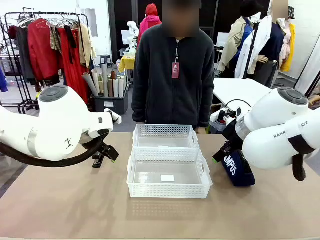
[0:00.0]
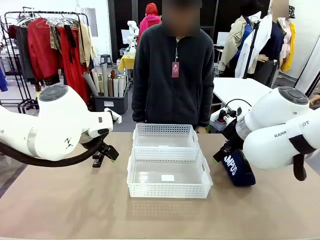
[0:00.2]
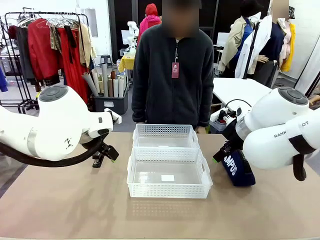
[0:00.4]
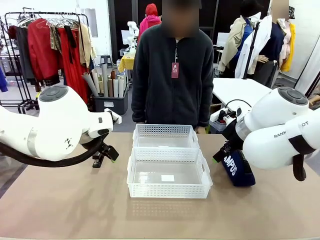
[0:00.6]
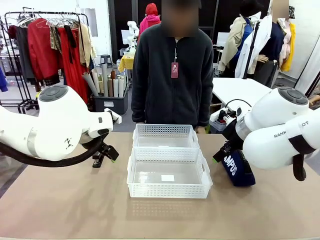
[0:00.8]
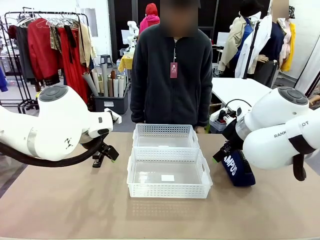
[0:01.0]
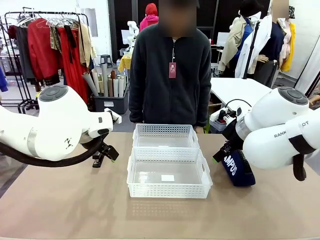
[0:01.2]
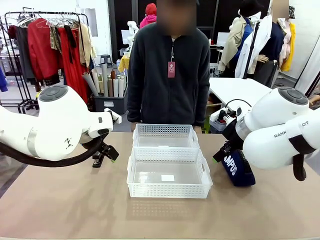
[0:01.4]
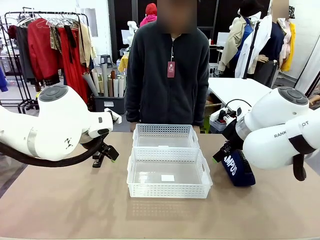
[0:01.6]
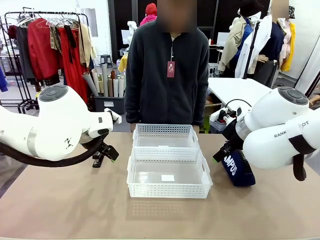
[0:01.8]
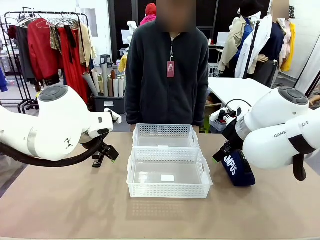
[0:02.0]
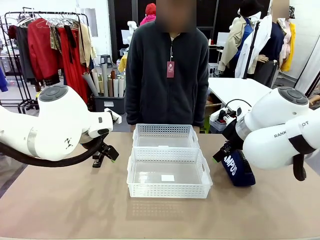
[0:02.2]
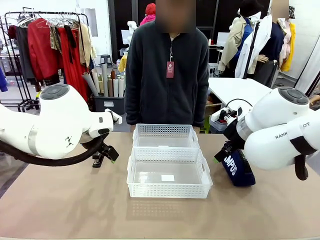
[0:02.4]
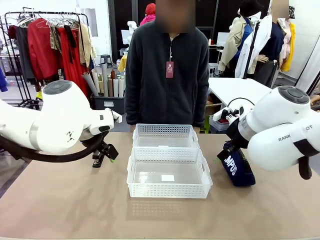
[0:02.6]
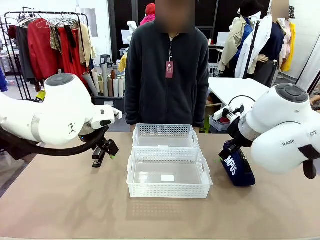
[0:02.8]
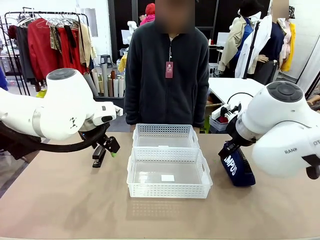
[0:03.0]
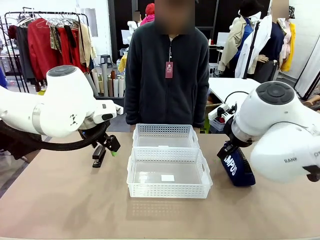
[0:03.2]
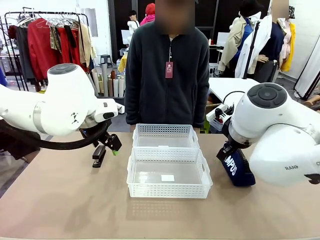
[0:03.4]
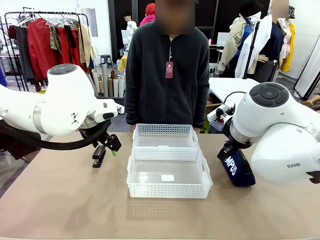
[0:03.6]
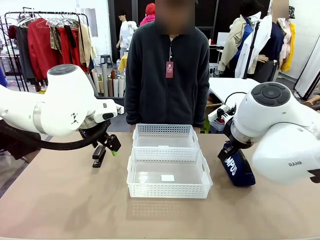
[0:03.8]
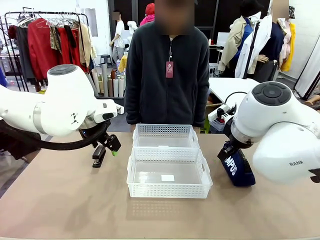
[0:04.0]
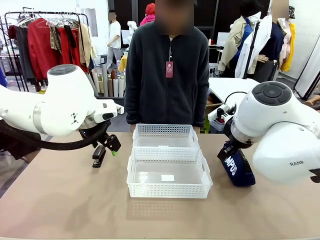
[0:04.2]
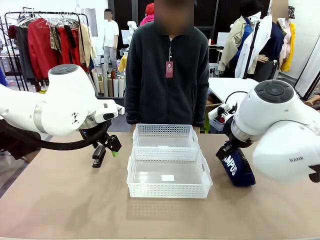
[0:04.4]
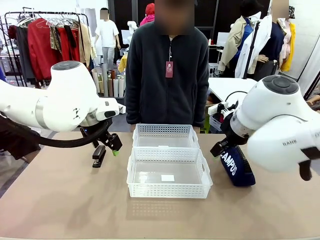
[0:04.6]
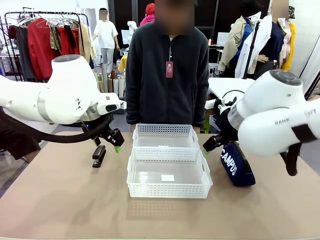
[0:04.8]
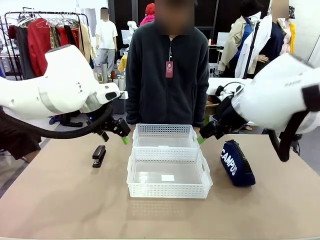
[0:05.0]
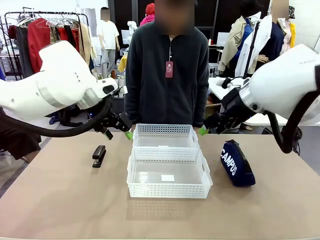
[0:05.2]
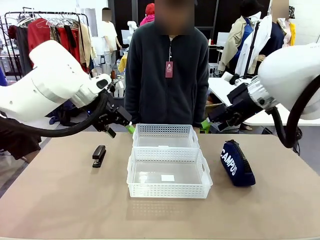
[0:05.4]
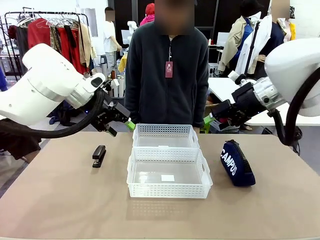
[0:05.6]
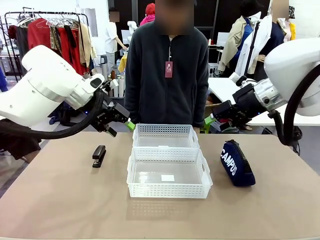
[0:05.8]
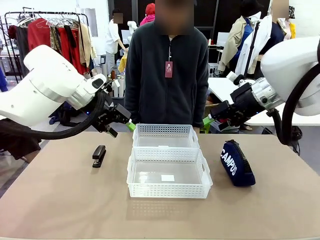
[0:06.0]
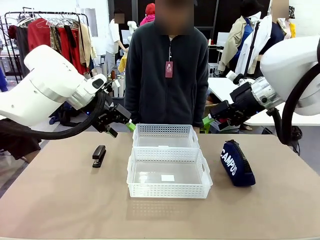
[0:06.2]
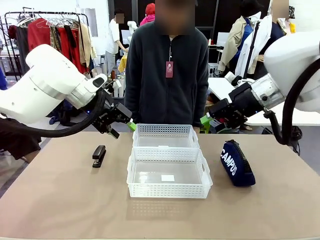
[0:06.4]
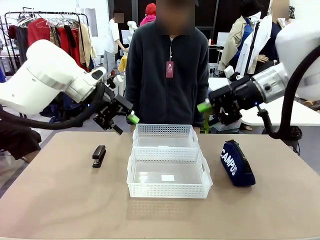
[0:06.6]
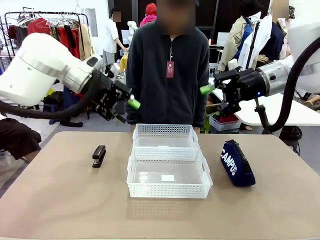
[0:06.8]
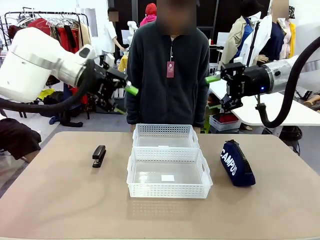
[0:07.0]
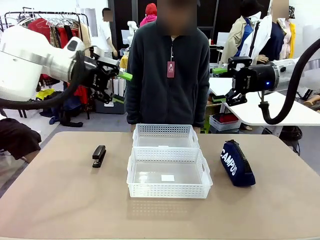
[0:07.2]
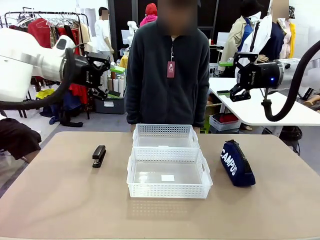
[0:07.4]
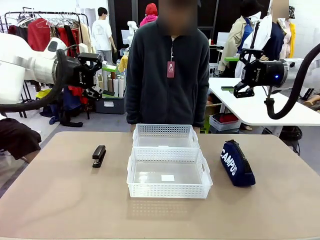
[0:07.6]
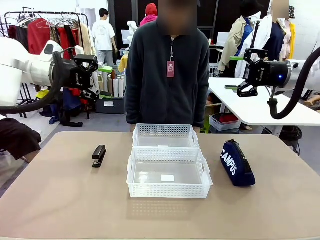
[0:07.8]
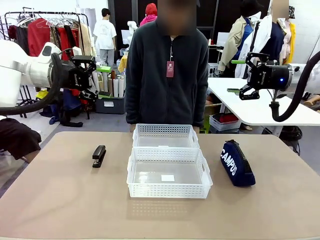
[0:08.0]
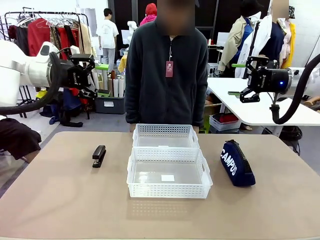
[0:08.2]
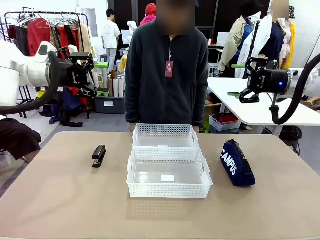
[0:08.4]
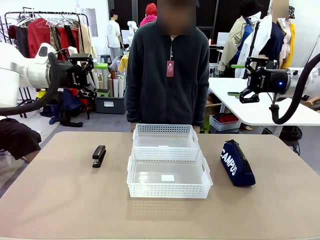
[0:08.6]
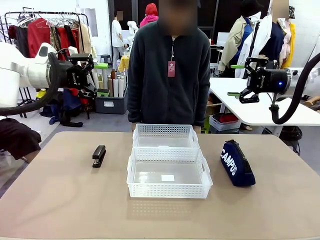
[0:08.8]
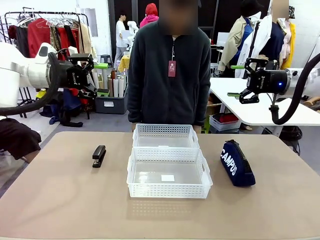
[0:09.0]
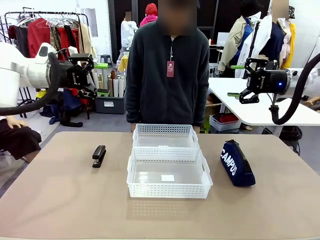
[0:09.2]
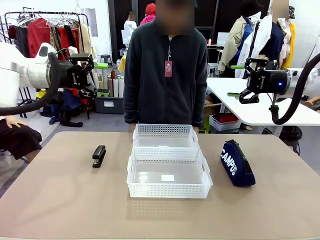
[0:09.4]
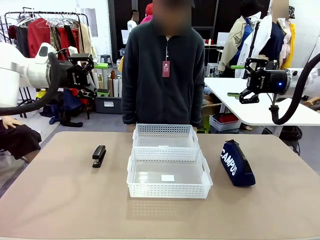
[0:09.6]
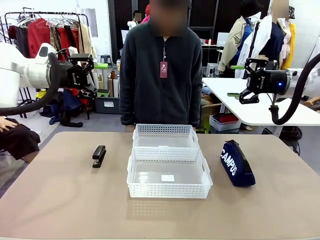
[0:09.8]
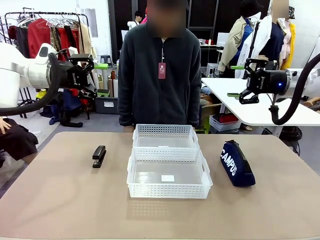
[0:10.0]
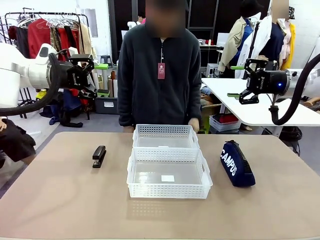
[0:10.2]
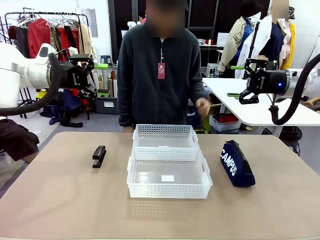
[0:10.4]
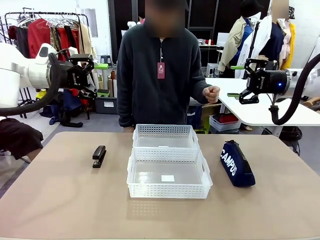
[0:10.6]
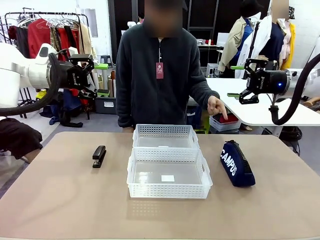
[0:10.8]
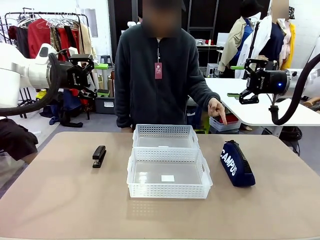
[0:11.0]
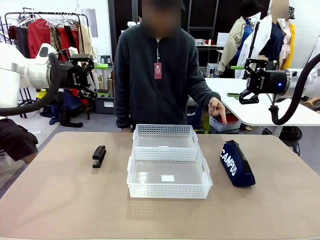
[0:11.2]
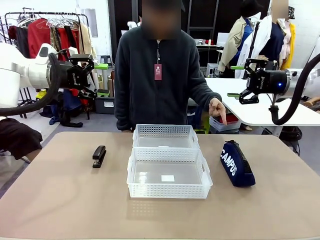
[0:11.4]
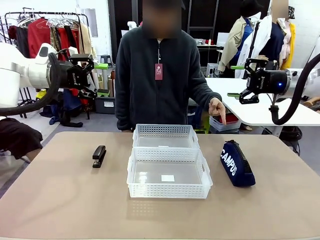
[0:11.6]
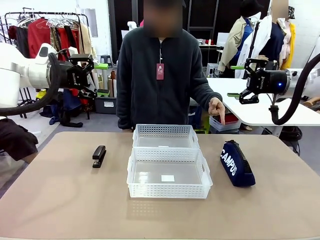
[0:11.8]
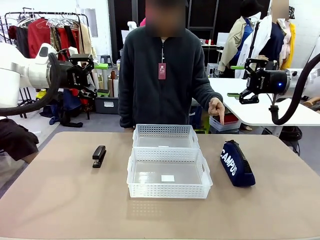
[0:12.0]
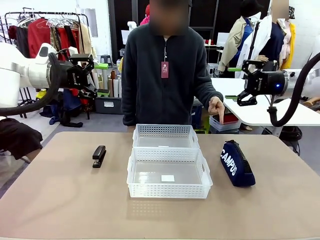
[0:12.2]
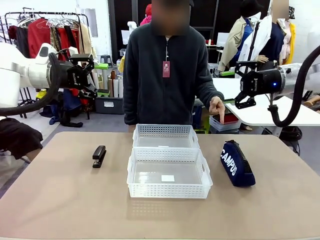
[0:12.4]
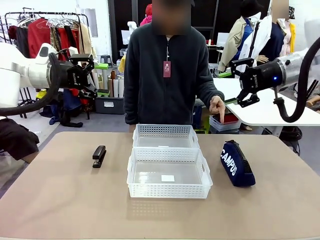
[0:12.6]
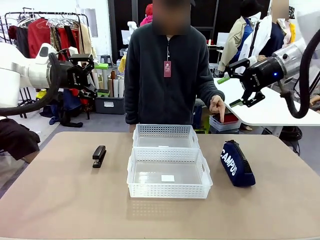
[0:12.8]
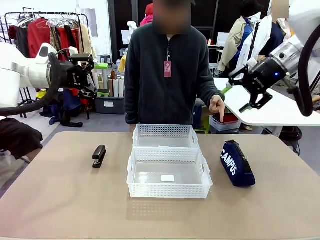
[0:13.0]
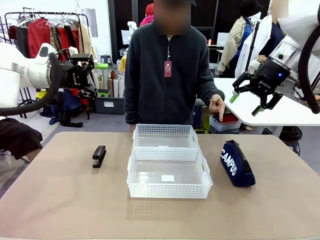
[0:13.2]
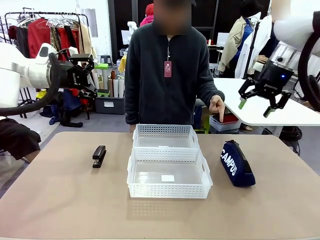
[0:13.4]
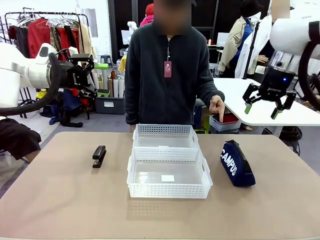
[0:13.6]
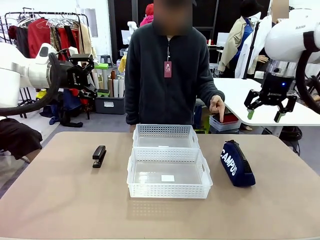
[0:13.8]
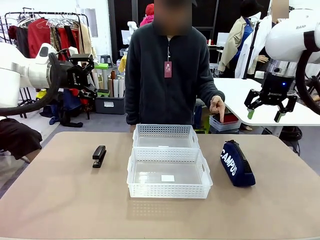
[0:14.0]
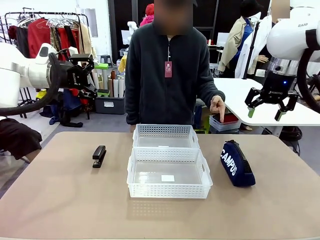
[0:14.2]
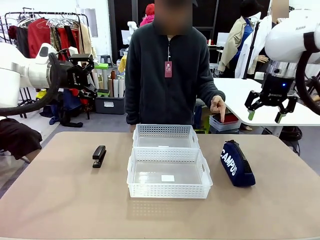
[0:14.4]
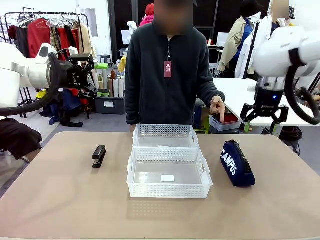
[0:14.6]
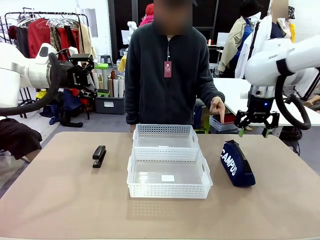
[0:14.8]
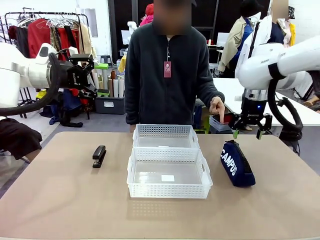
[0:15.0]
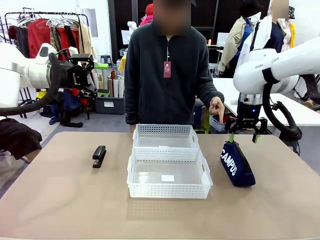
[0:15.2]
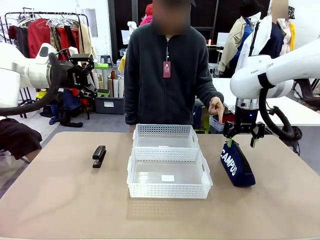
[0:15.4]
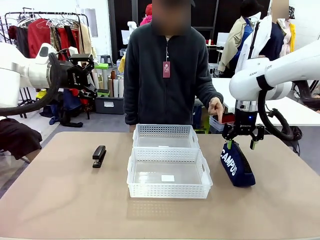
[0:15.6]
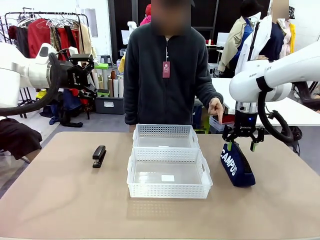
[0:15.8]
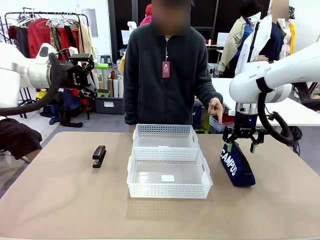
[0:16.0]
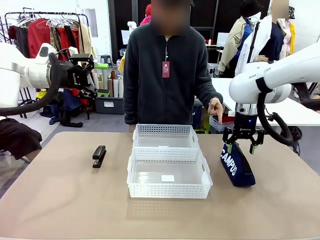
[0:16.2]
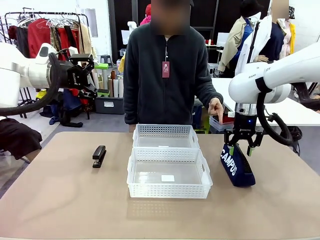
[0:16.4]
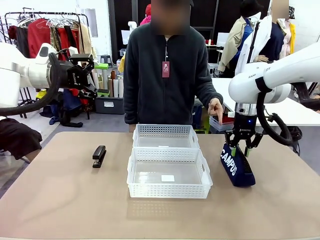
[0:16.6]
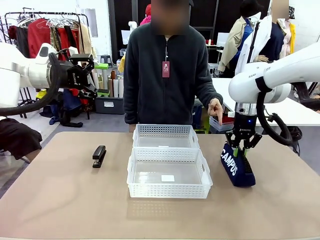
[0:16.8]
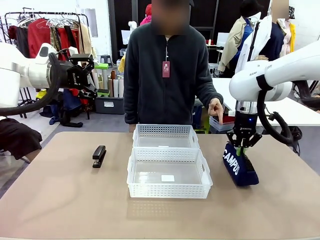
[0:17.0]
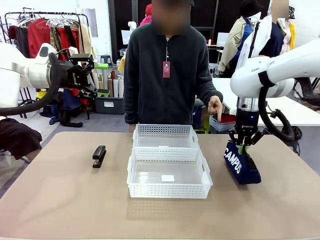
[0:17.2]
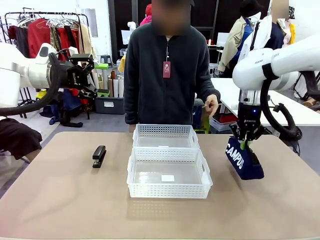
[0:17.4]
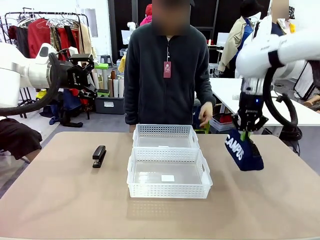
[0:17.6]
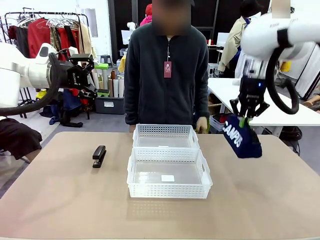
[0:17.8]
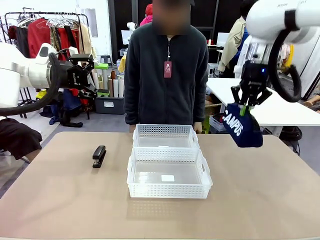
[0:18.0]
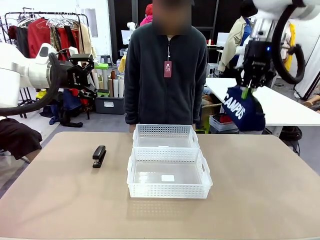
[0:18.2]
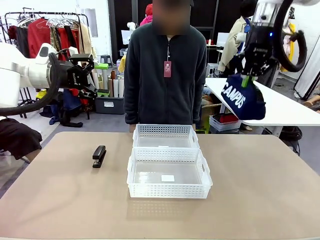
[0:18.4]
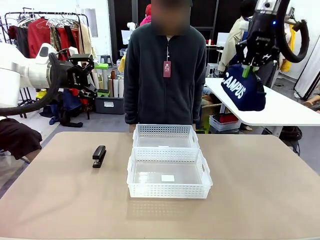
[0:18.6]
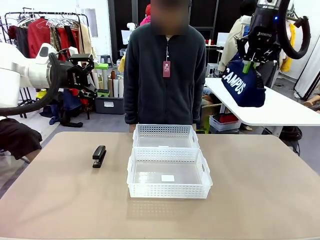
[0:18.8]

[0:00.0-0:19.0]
Task: Distribute items into two baskets.
Robot: Pick up the Pencil pouch that the person points to.
Person: Points to the pencil case. Points between the two organizing baskets and instructs the robot to move the pencil case.
